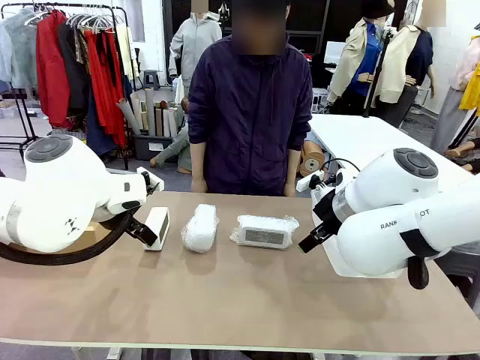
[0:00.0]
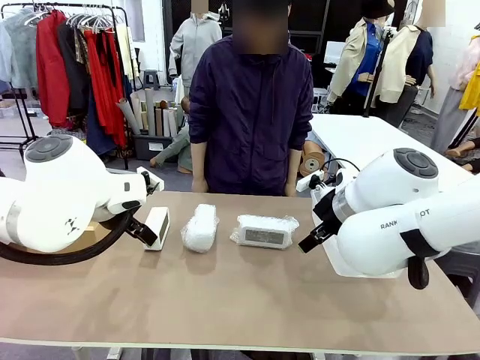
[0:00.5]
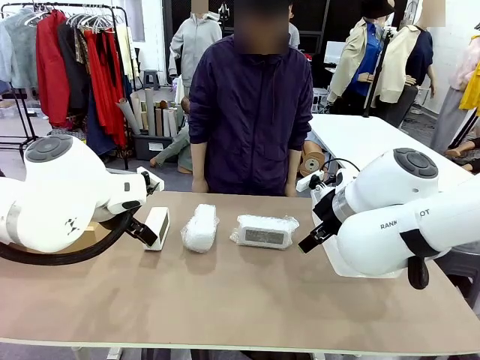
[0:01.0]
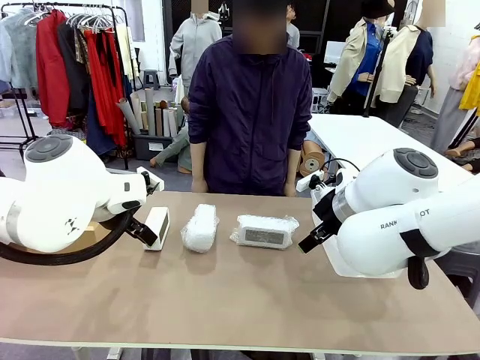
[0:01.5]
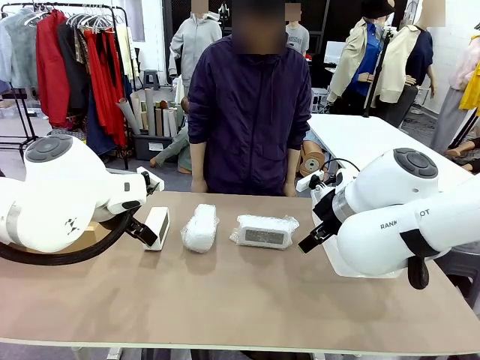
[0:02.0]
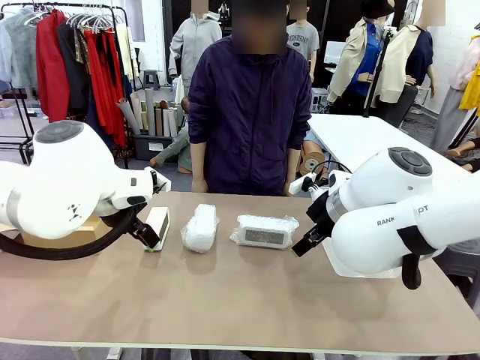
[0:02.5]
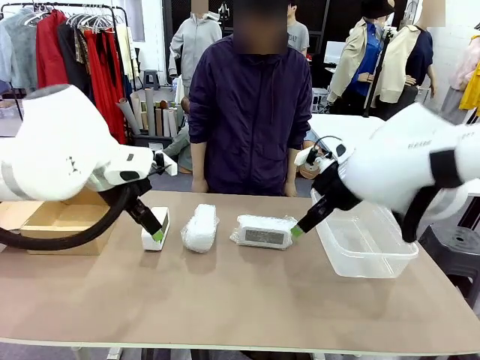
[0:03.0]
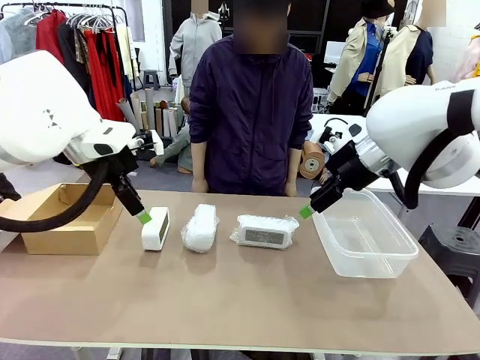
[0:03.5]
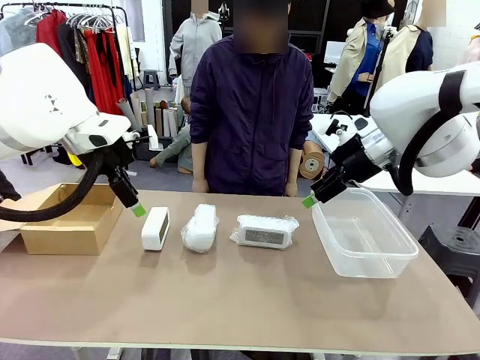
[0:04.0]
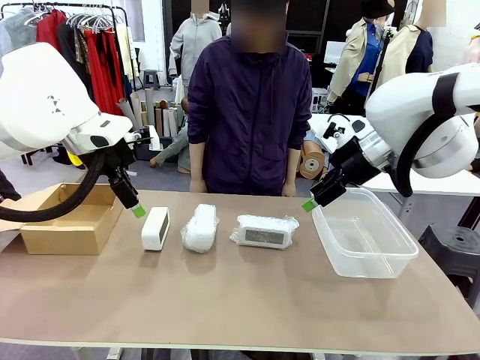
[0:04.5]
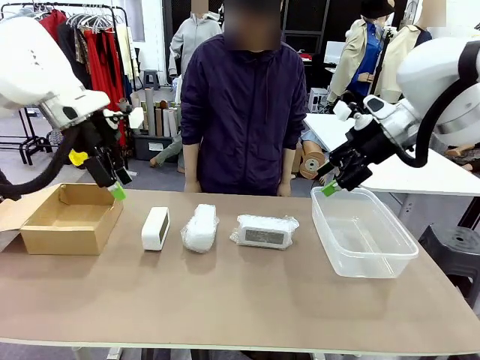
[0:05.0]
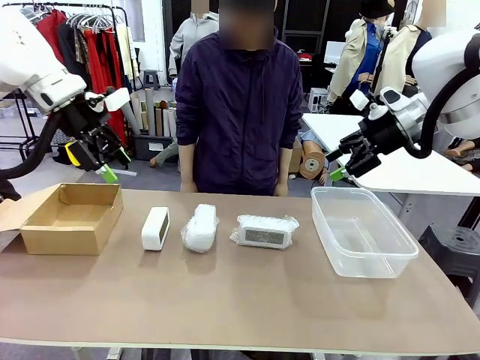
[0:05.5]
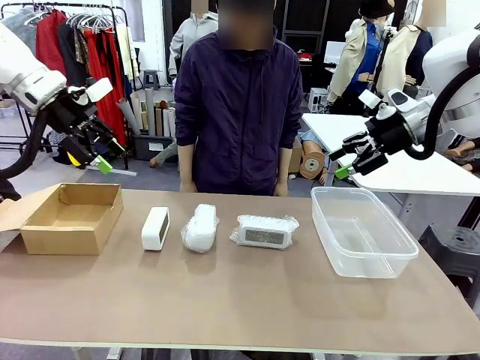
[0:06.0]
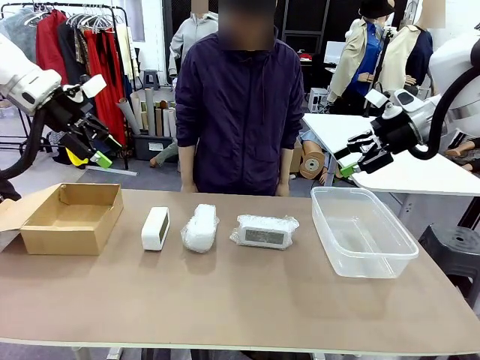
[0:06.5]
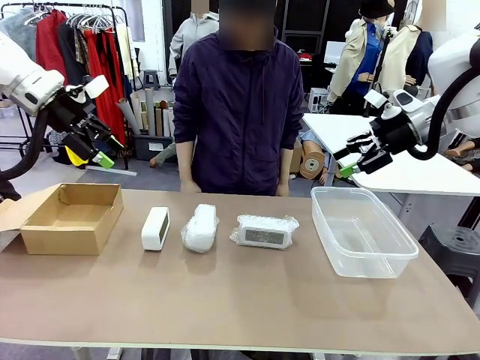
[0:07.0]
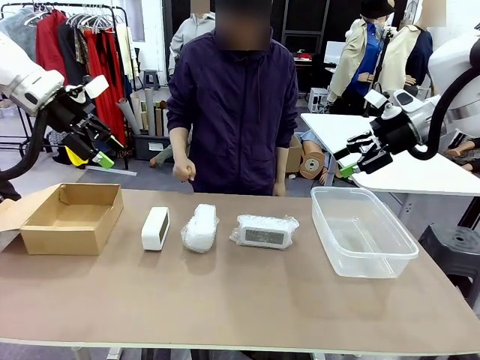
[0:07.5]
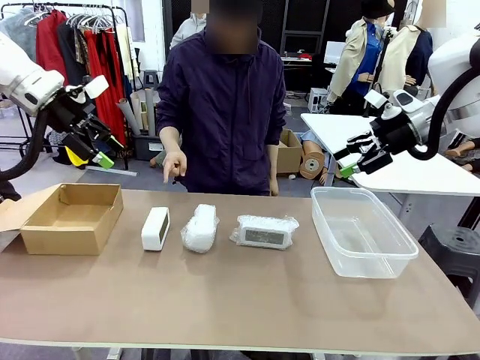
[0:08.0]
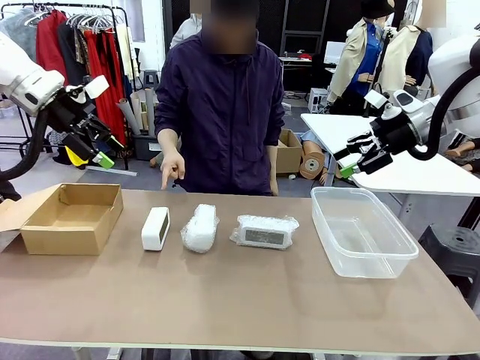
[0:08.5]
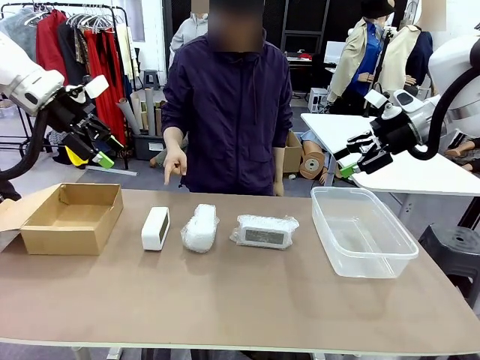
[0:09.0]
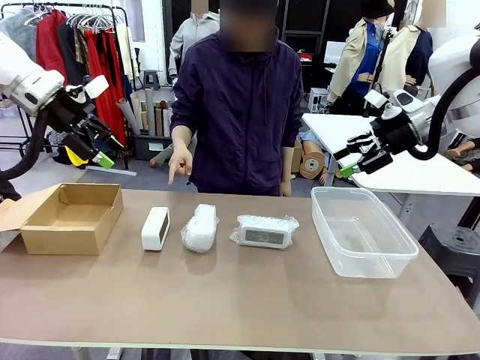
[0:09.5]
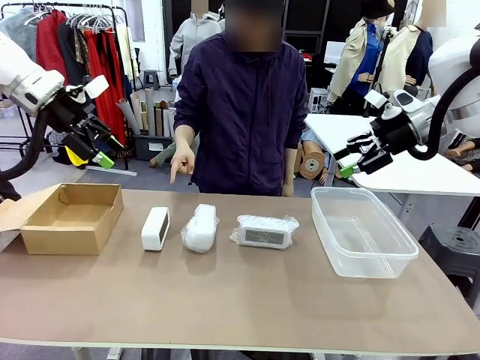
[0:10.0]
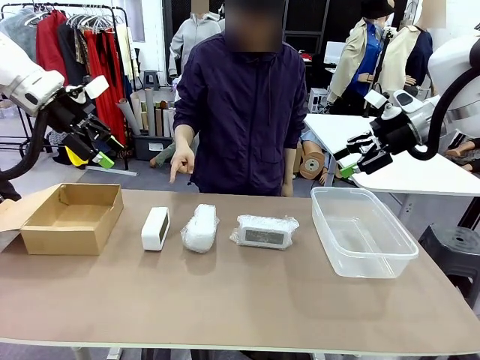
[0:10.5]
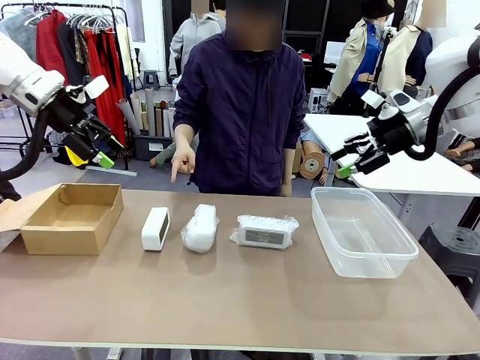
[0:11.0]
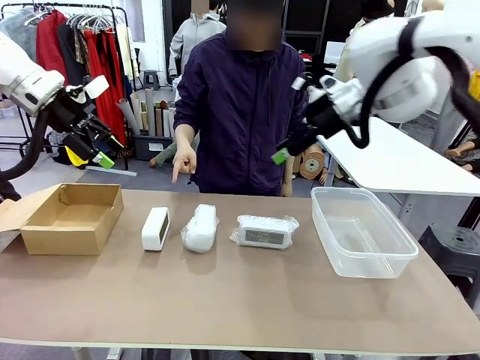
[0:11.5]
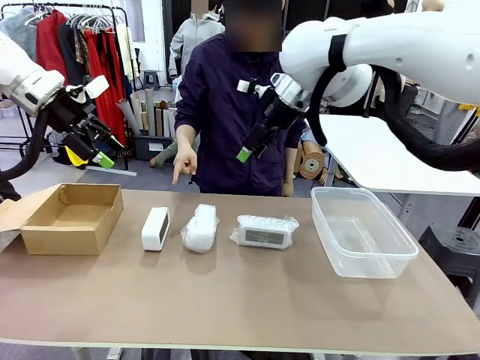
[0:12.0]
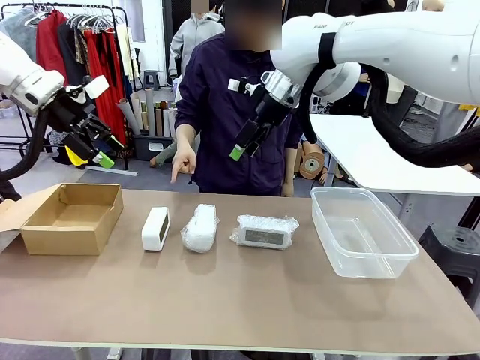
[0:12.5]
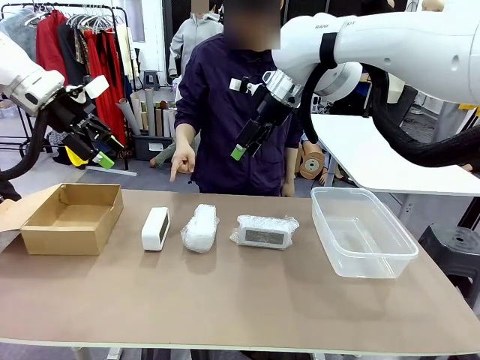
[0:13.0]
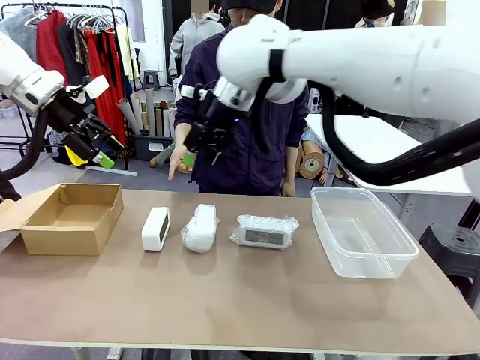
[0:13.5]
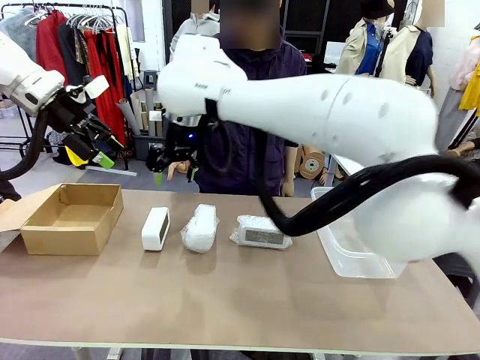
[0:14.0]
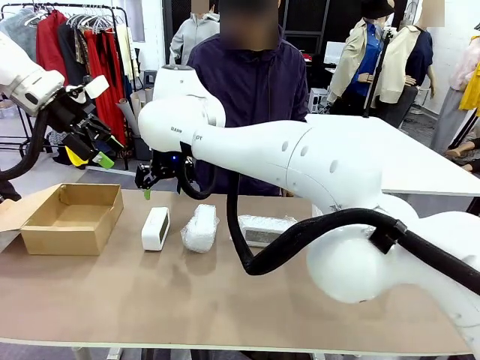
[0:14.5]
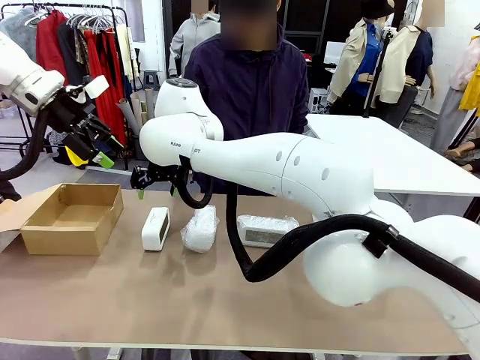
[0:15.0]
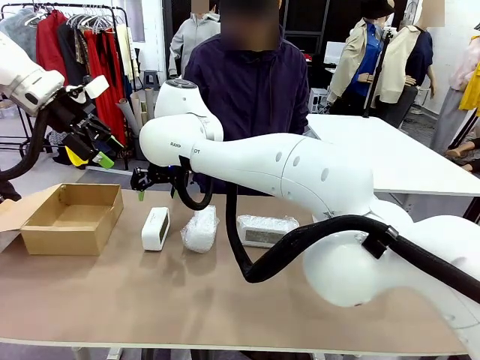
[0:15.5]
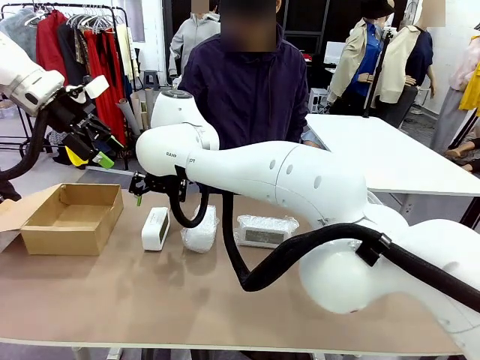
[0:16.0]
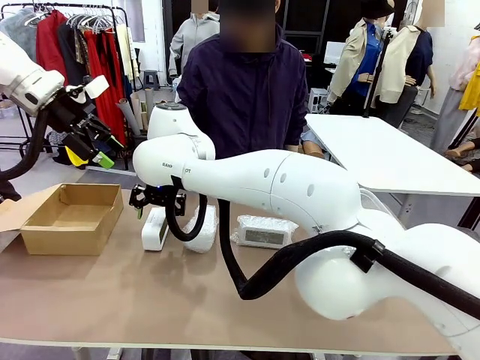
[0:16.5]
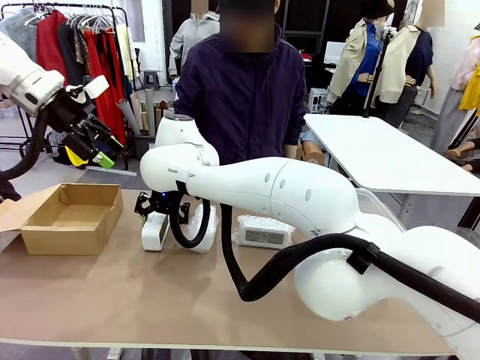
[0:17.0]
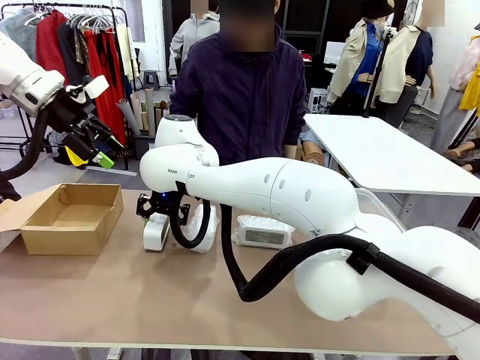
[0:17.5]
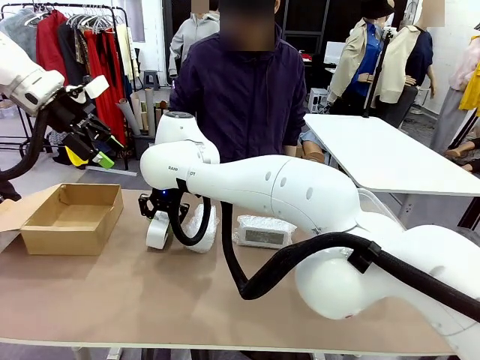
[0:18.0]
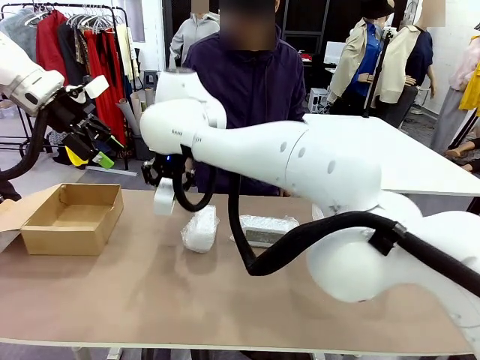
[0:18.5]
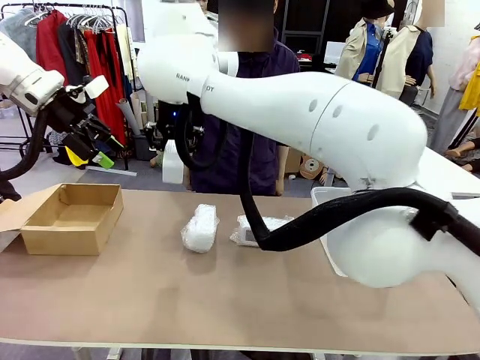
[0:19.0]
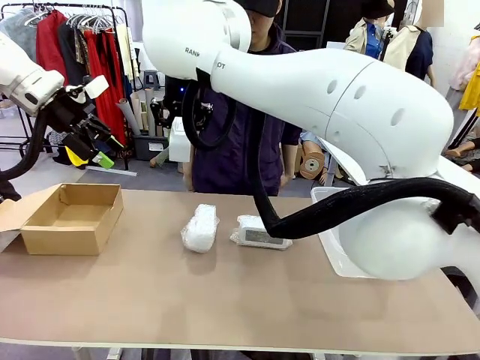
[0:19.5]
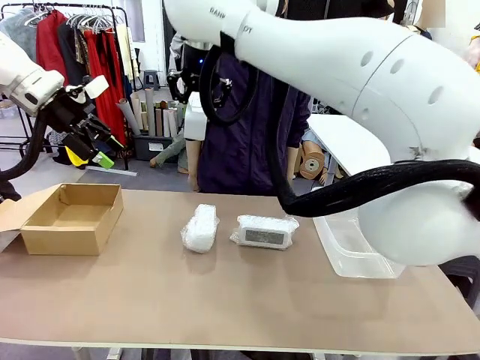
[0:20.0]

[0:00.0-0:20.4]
Task: Separate and place wrapped and unwrapped clocks.
Robot: Pick up the Digital clock indicated by the person.

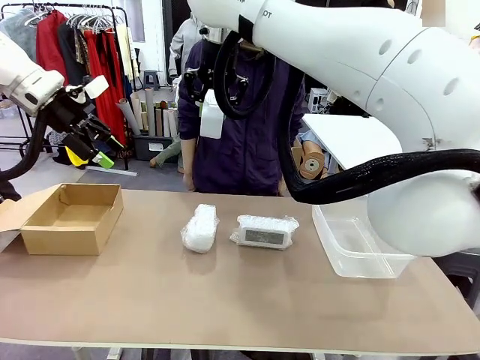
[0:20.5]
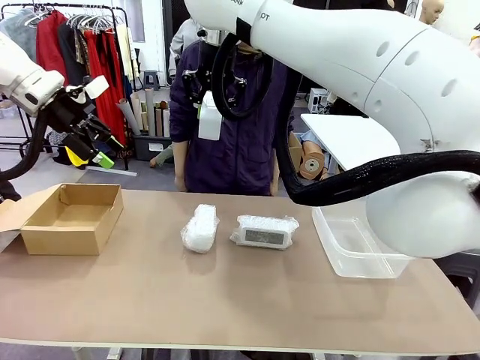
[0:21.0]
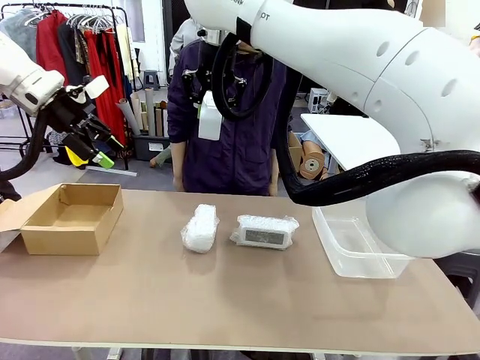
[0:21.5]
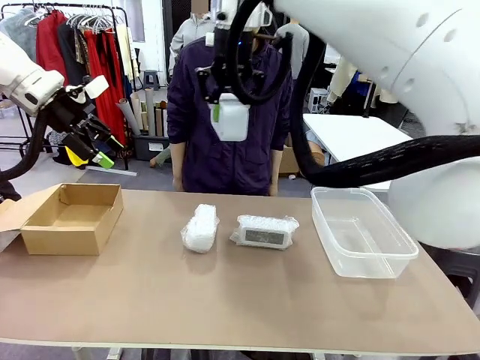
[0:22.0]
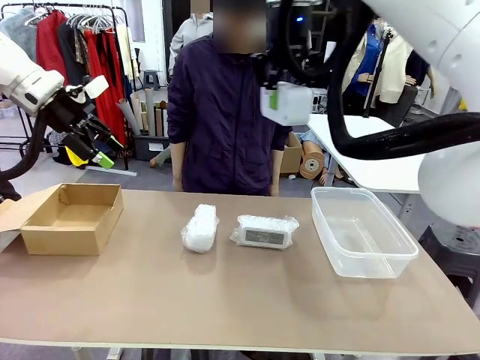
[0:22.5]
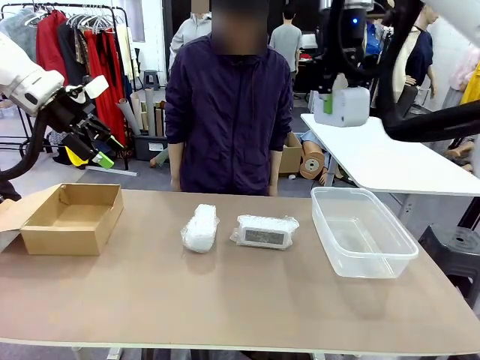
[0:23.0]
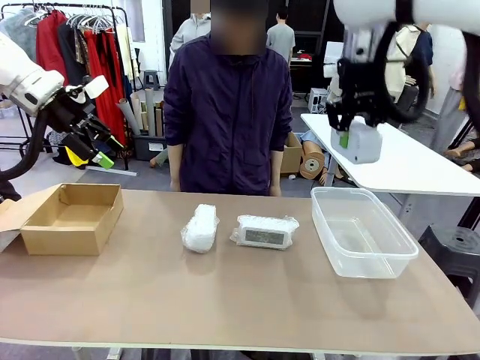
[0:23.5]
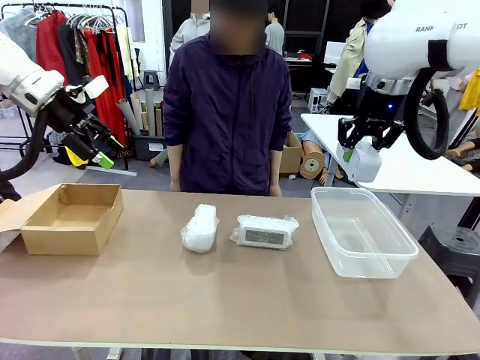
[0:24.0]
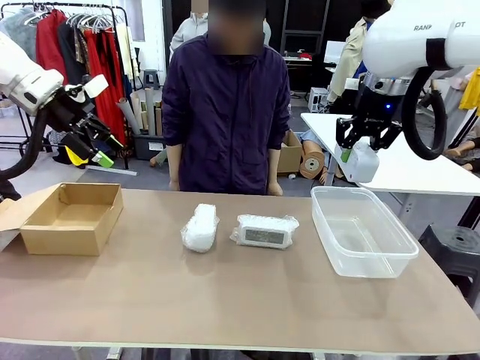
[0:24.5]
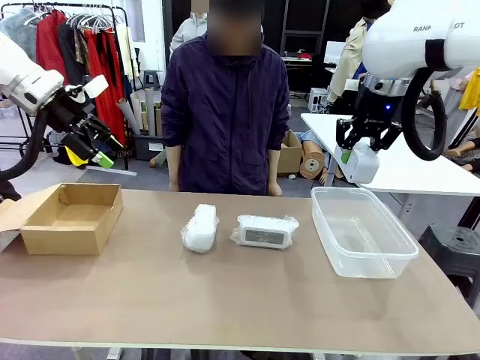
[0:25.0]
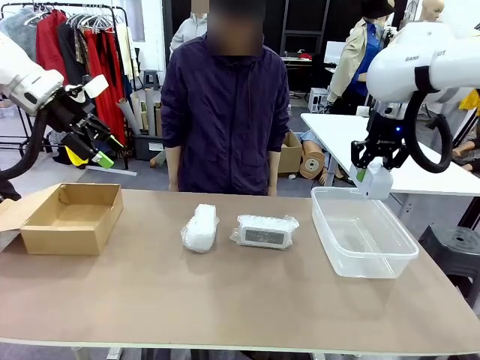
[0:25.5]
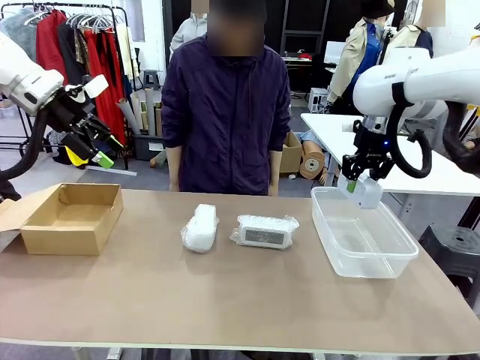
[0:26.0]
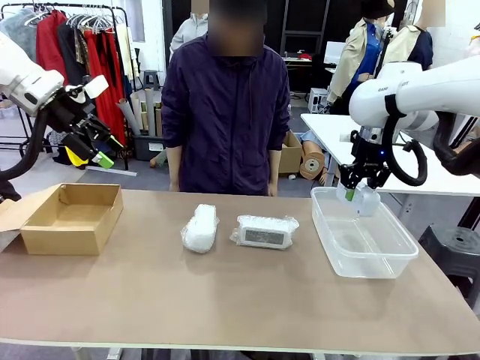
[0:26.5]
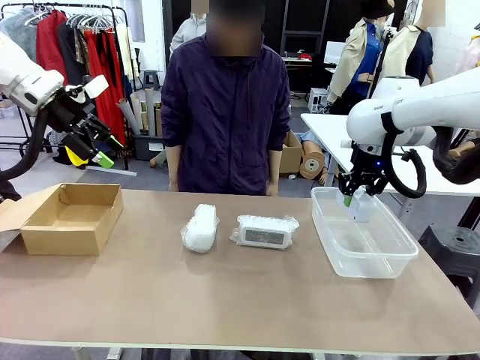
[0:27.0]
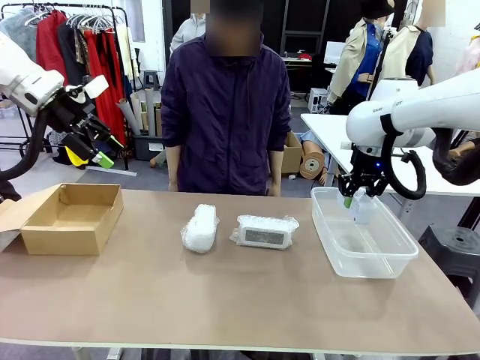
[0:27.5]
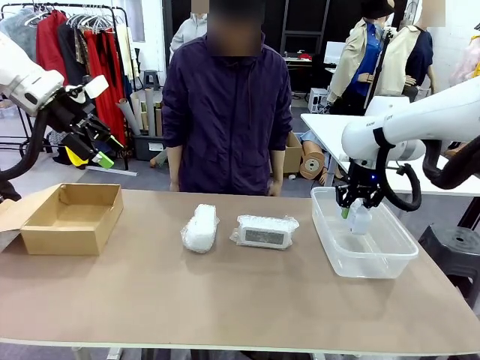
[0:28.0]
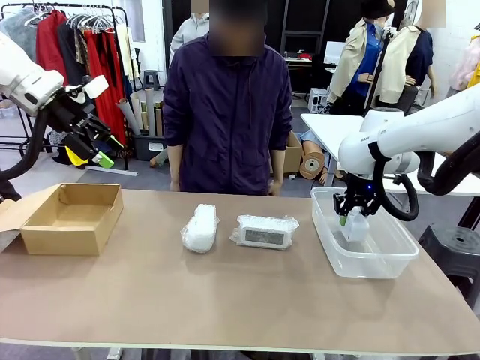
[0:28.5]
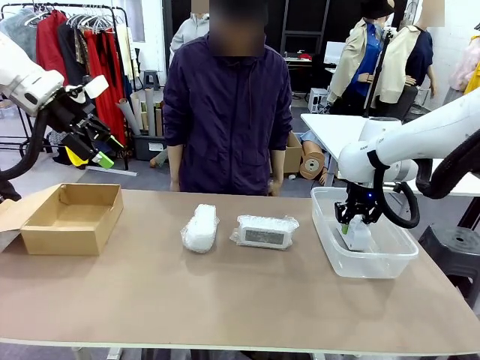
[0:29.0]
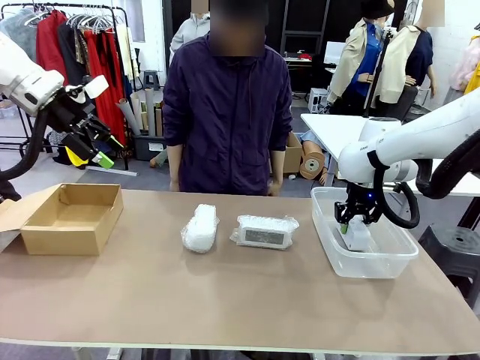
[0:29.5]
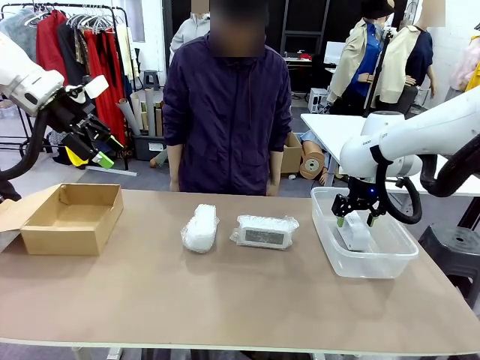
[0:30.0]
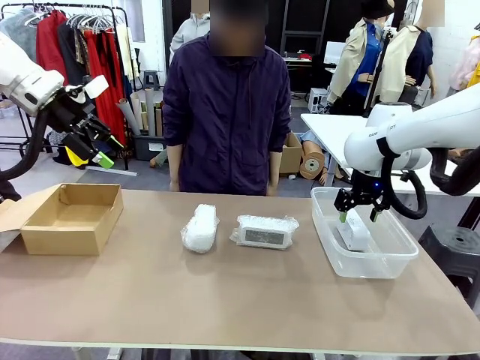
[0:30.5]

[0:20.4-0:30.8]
Robot: If the picked Digital clock is wrapped, place it in the Package Box ; if not, place it in the Organizing box.
